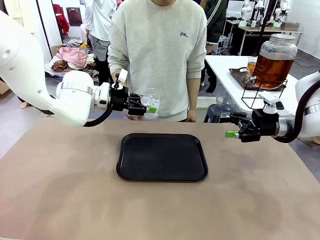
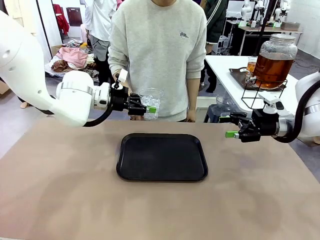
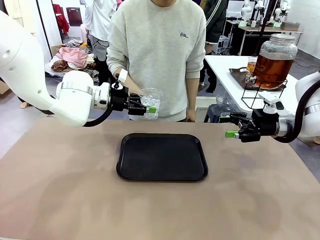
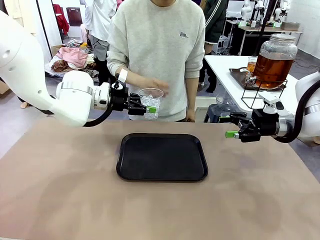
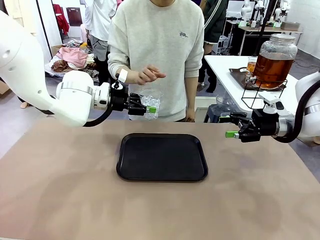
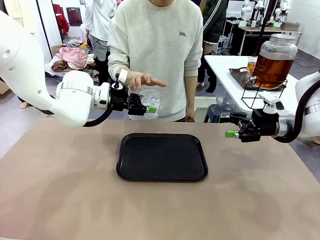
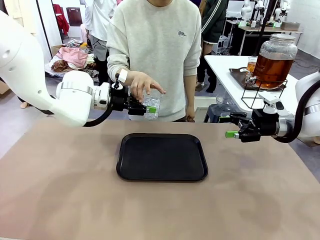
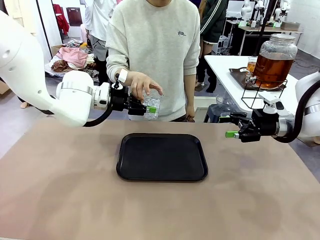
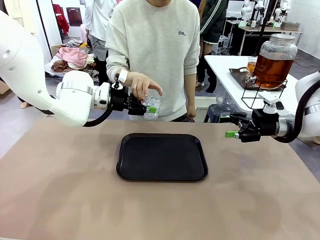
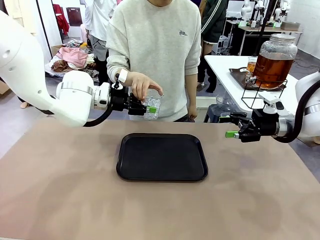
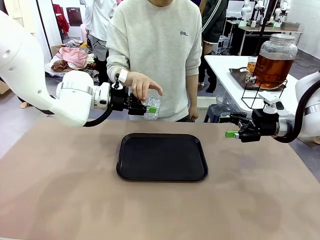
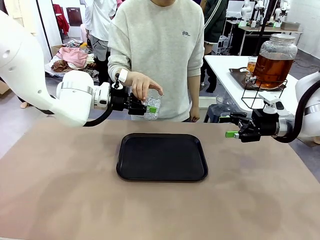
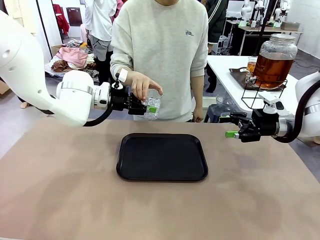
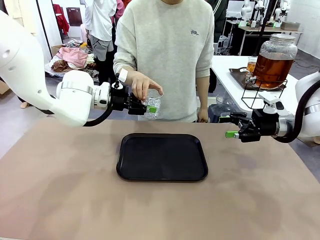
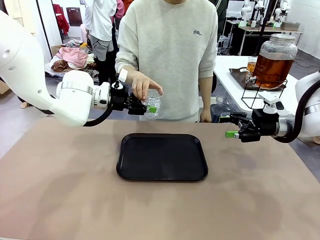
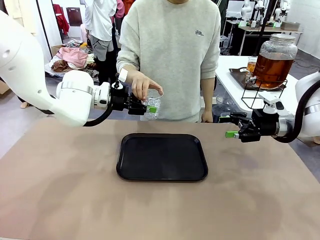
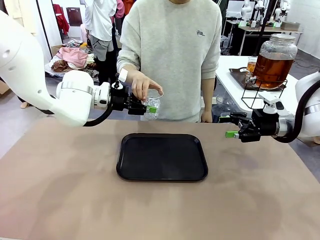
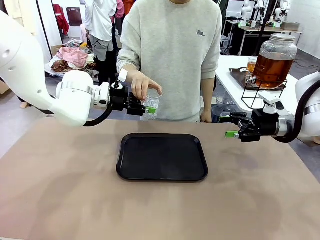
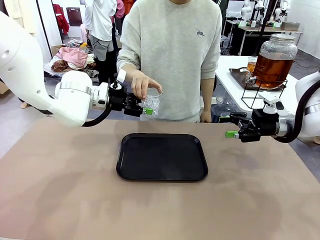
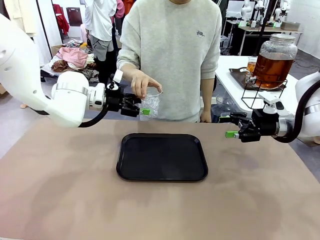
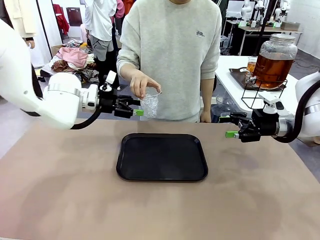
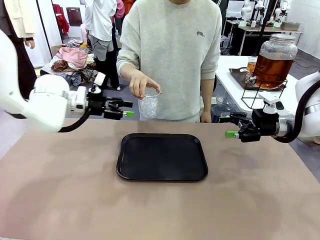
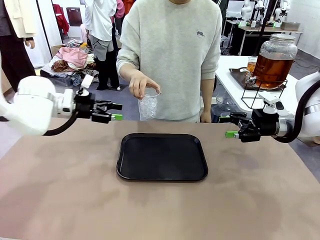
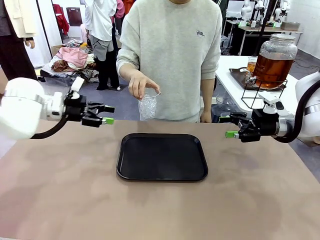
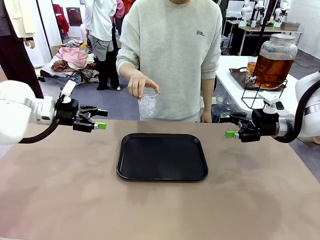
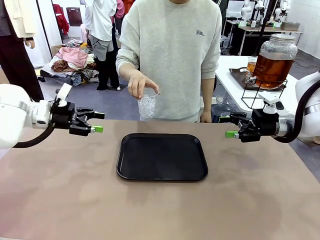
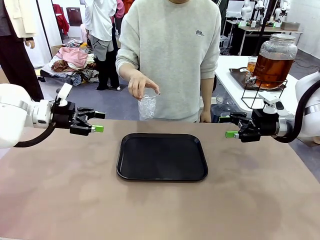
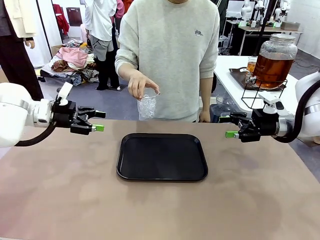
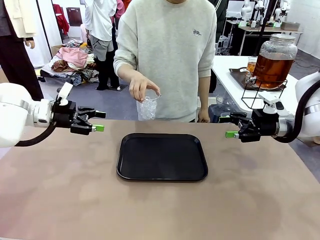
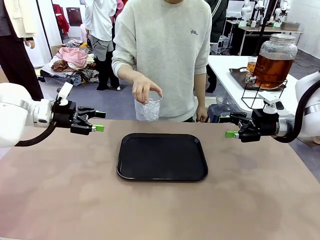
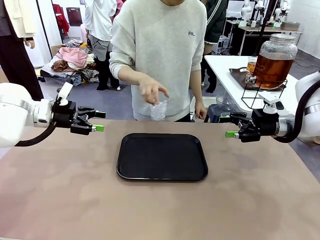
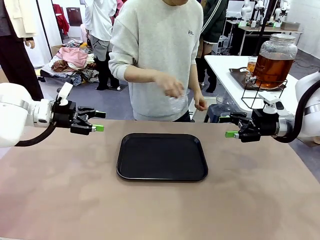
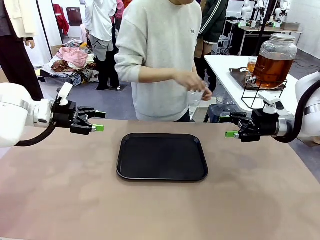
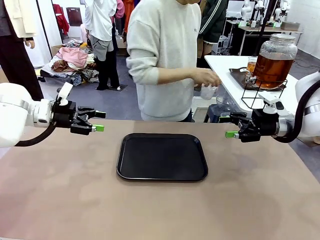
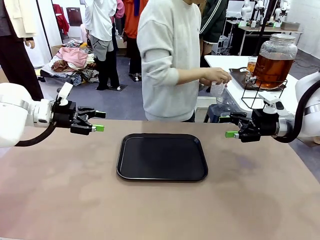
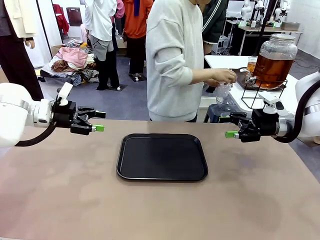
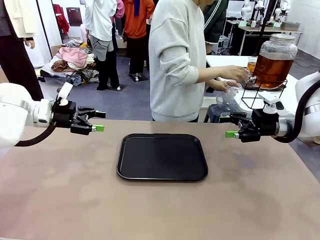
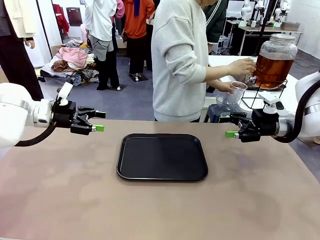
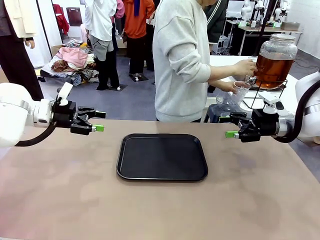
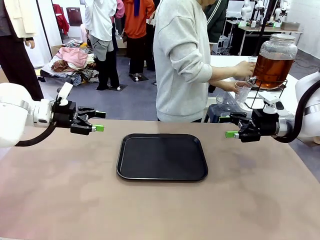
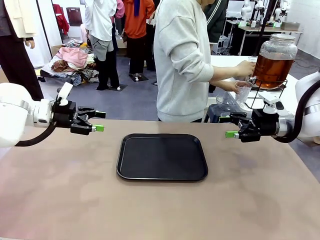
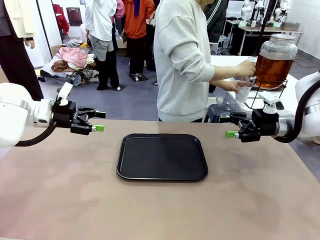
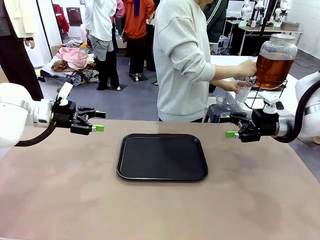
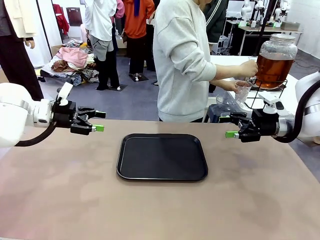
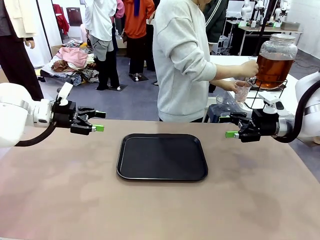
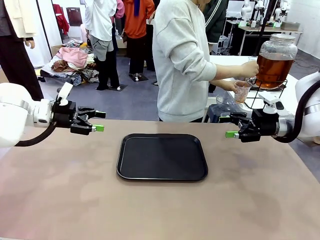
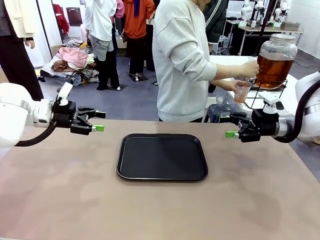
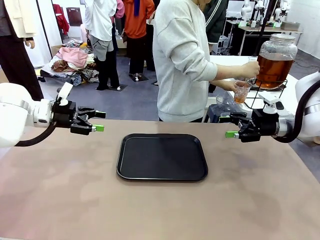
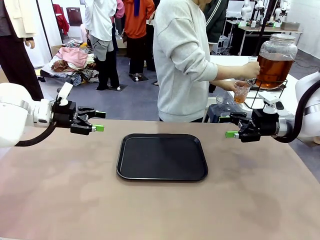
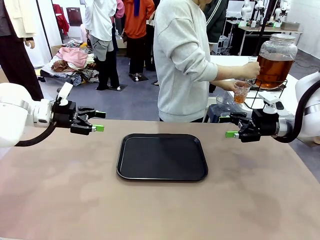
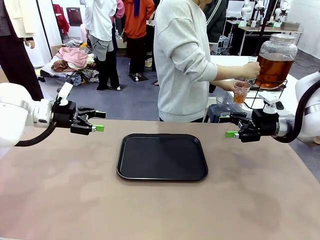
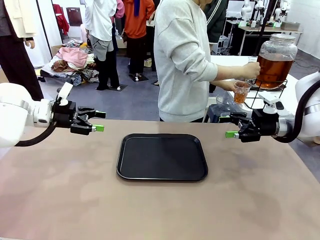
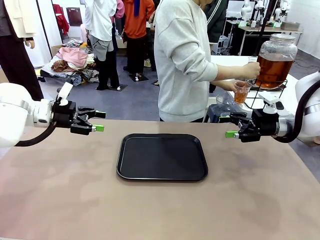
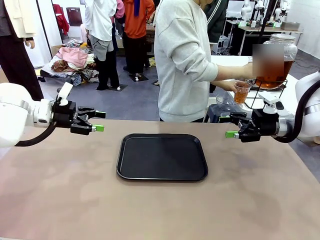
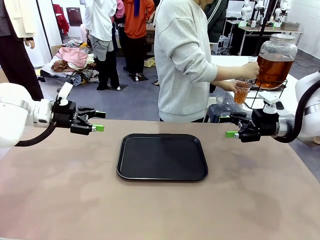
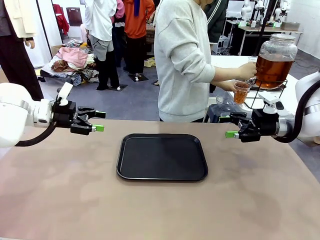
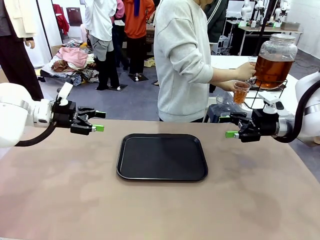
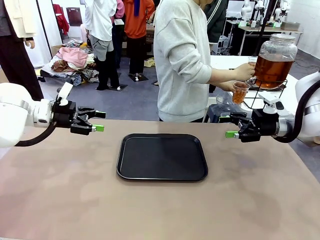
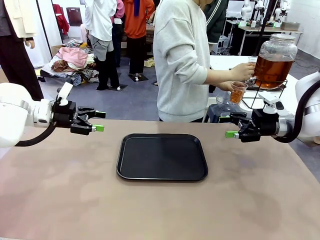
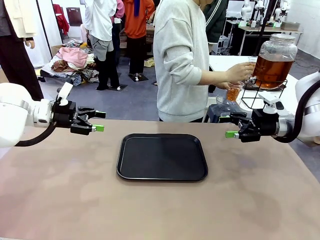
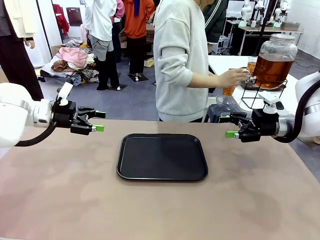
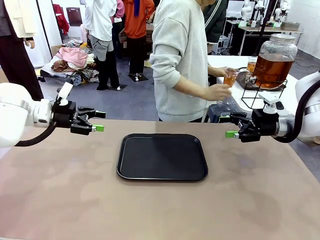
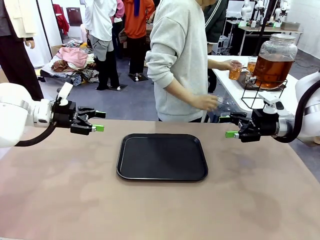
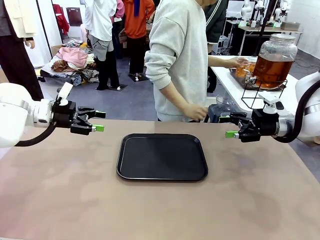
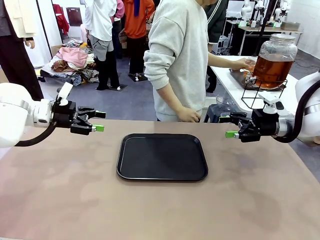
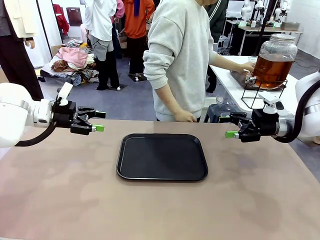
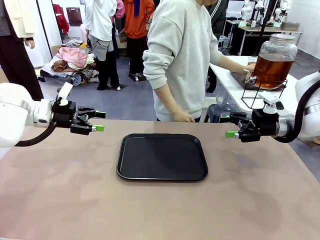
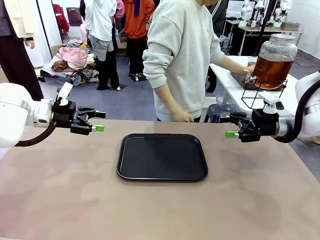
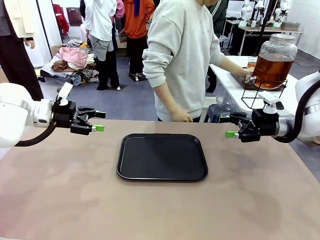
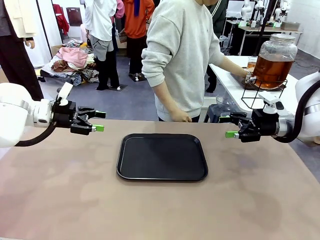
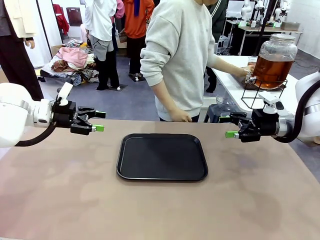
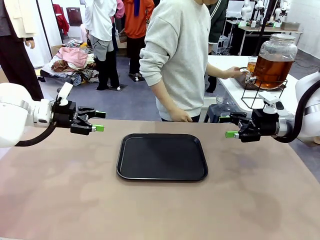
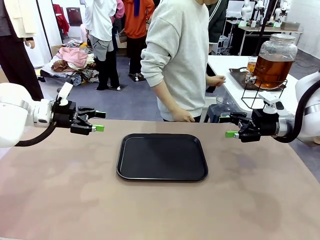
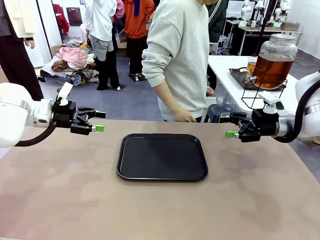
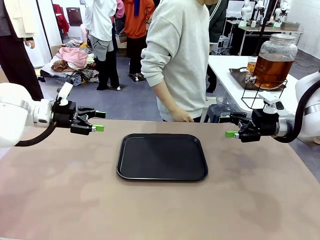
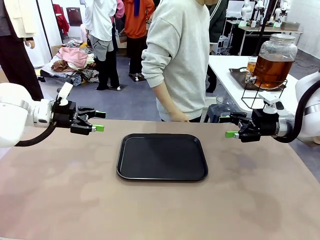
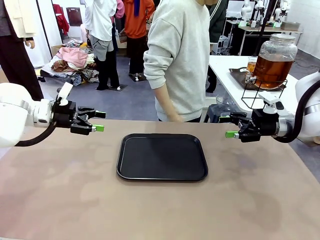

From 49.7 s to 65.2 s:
Task: Pour the drink into the iced cup.
Robot: Open the gripper to release the iced cup you were holding.
Person: Move the picked-up cup under the dispenser faucet, pour the drink, and place it on the tray on the human table.

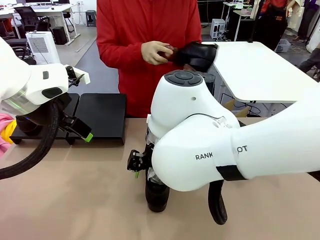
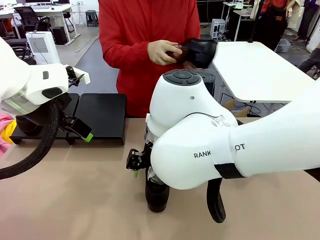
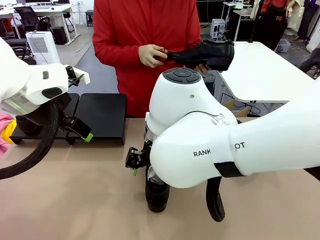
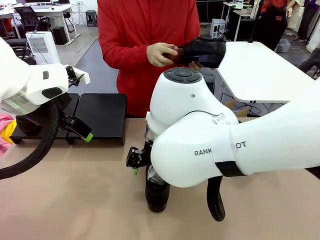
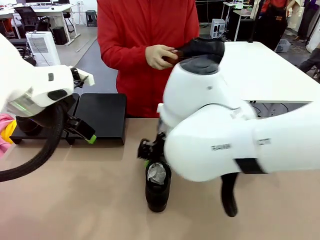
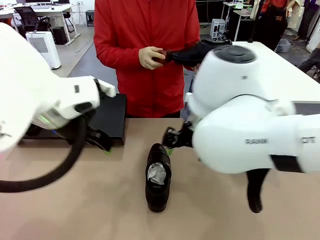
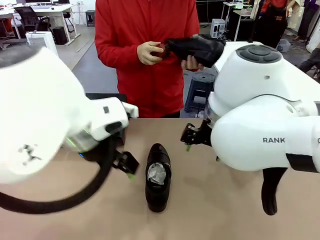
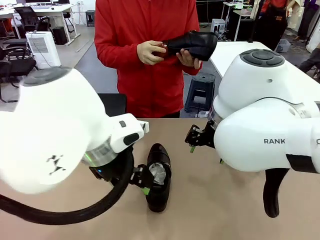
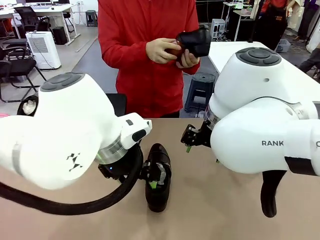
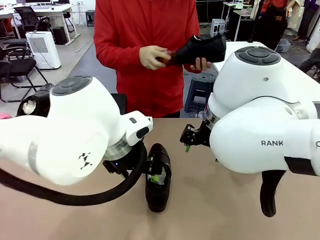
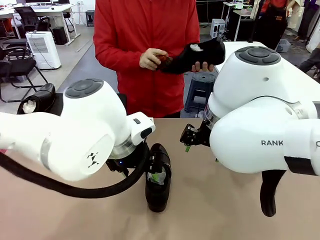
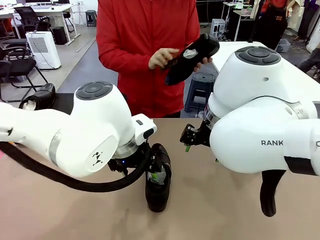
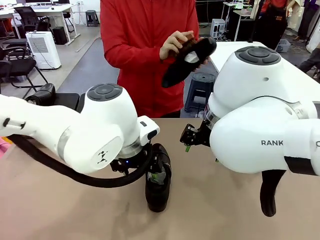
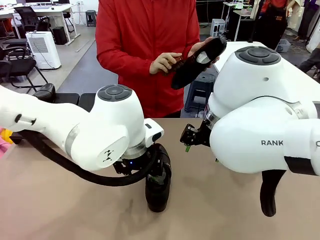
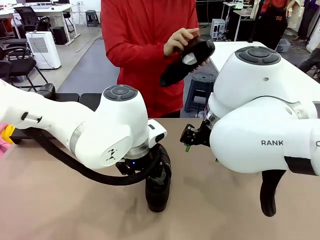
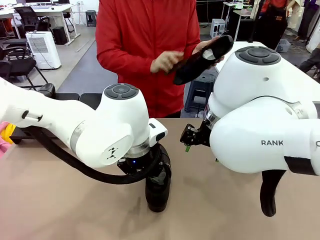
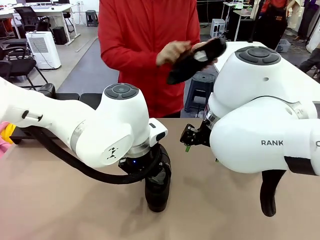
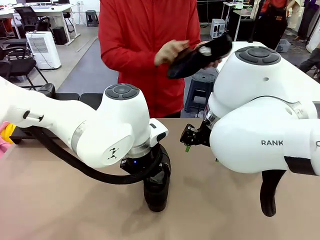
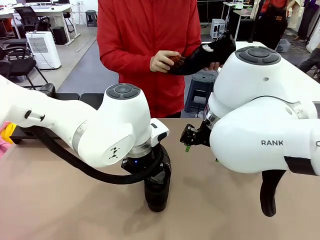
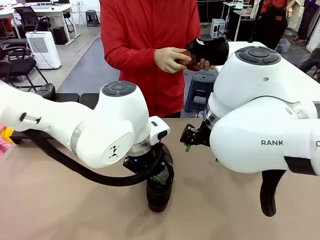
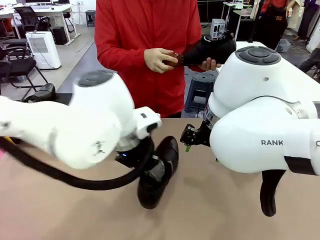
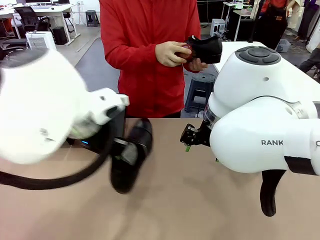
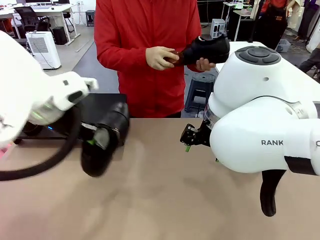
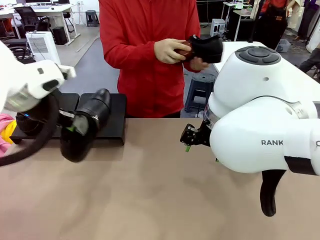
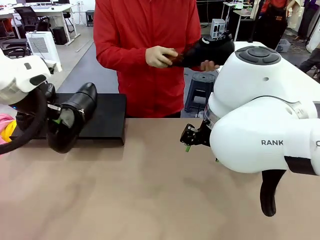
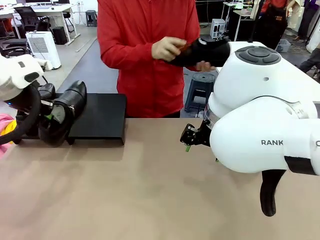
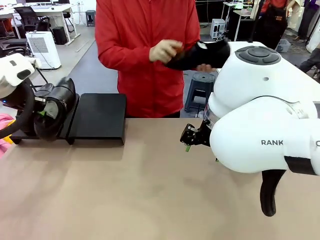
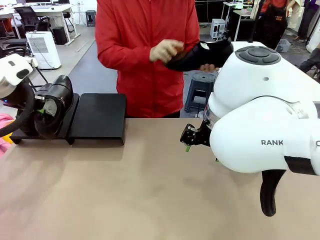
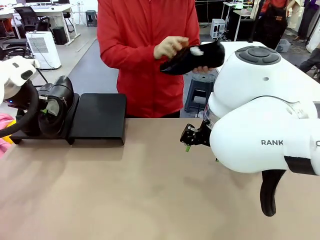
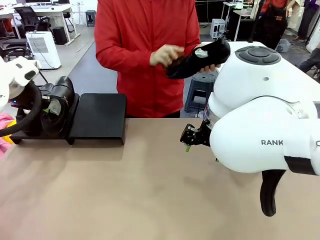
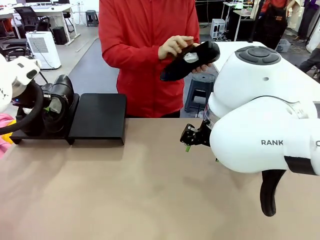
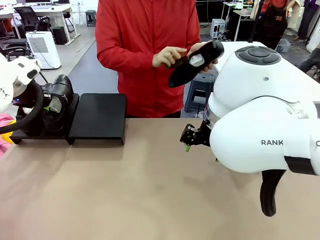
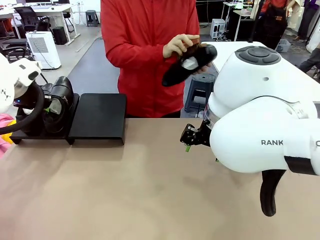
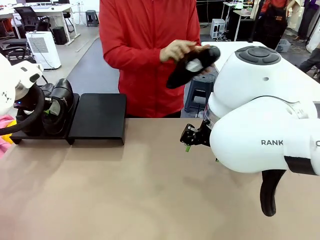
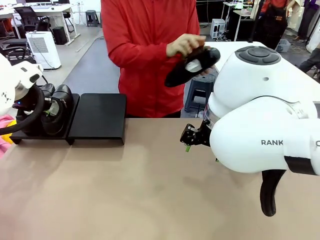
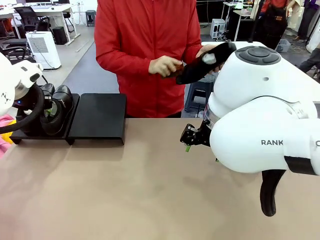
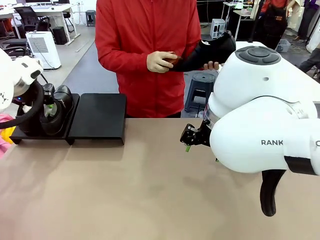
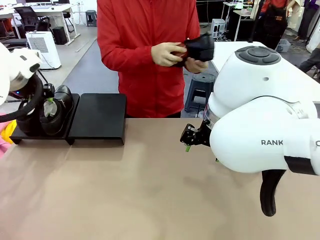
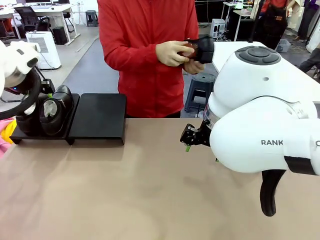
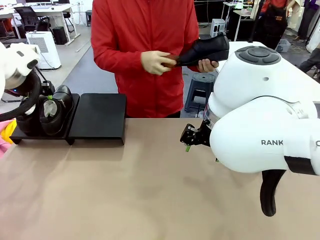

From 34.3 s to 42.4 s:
Task: Organize the shoes by placing them on the stand.
Robot: Place the Shoe from the middle of the table onto the Shoes Stand.
